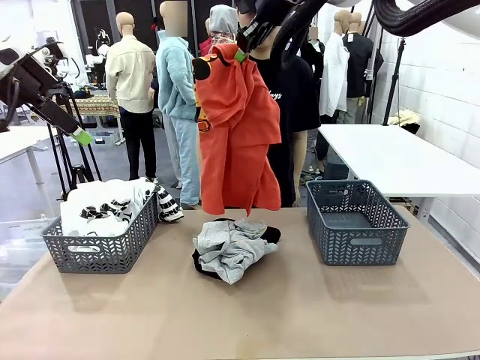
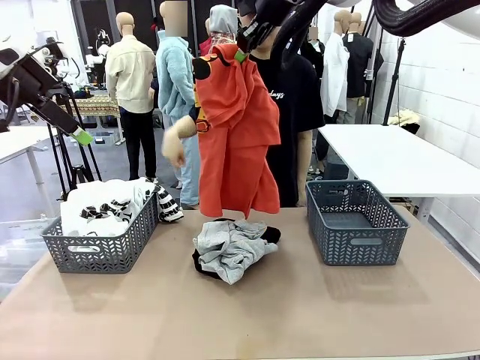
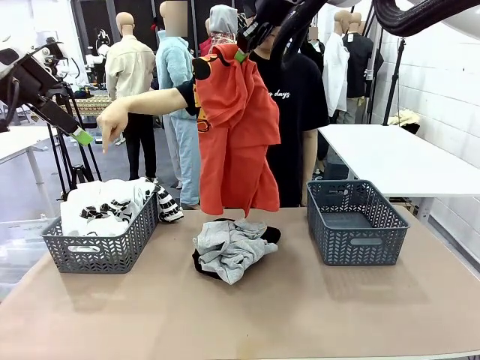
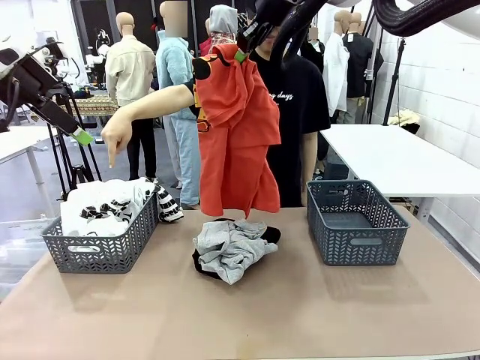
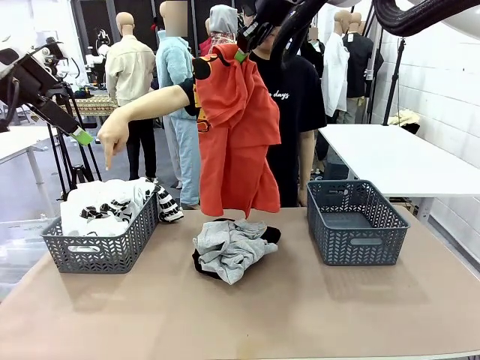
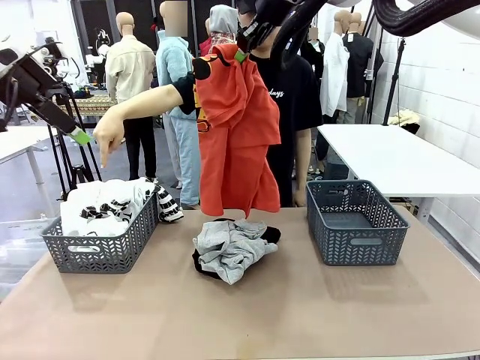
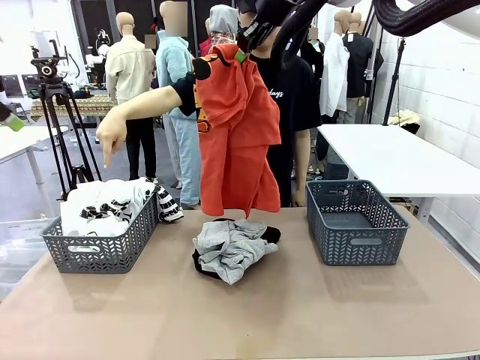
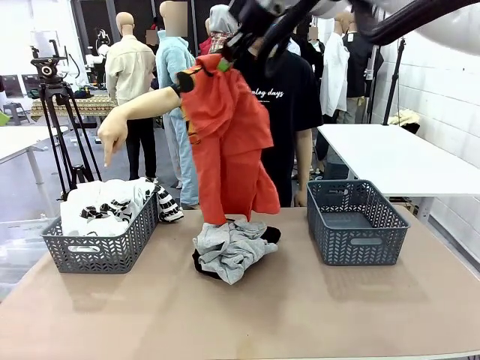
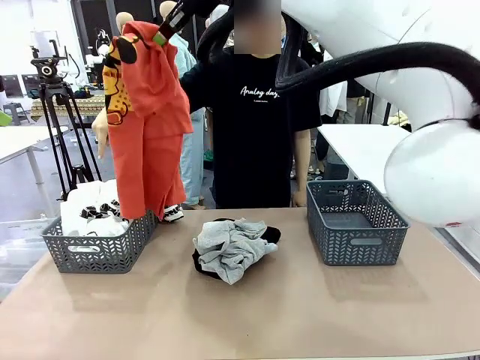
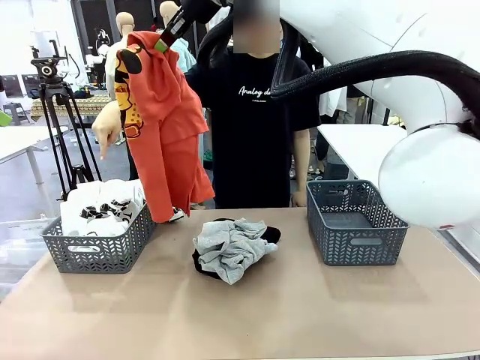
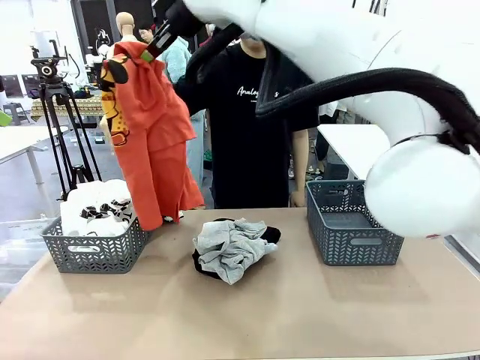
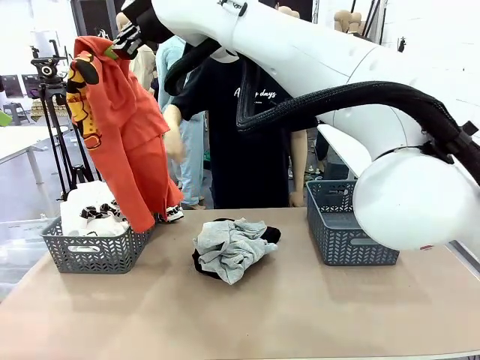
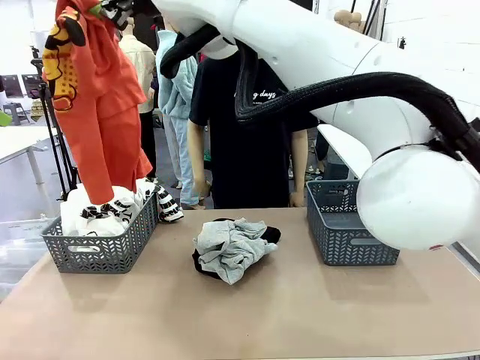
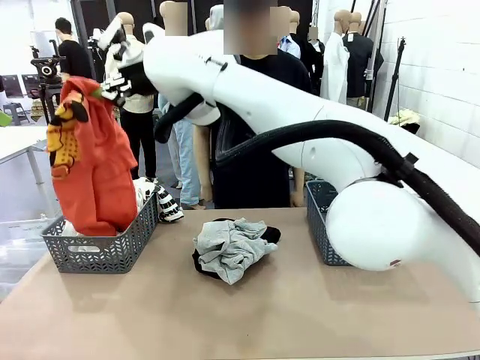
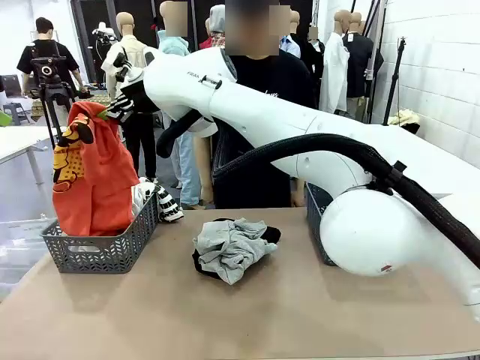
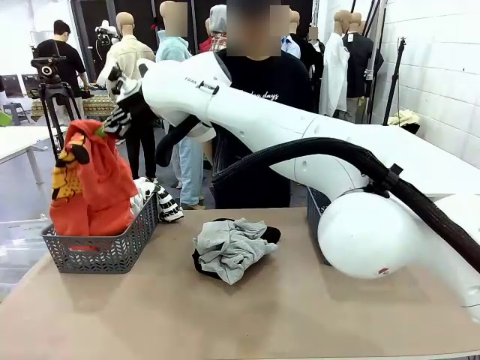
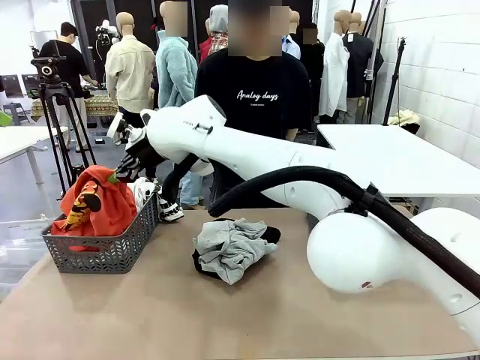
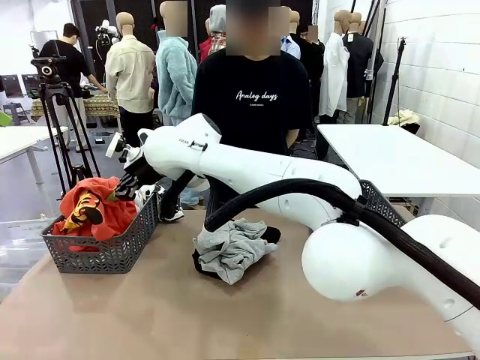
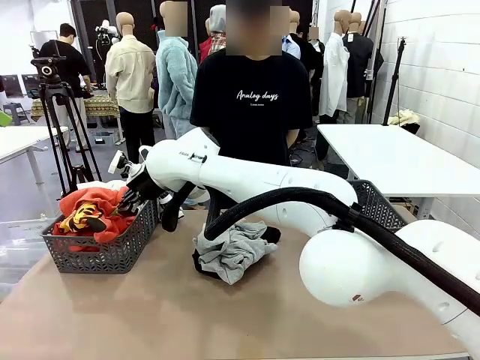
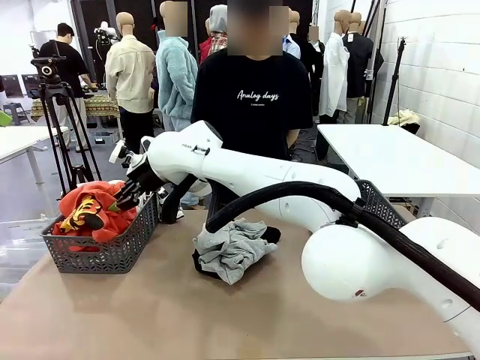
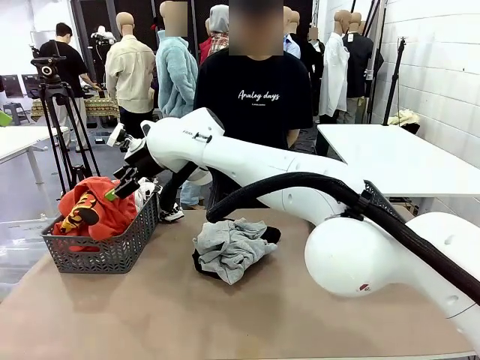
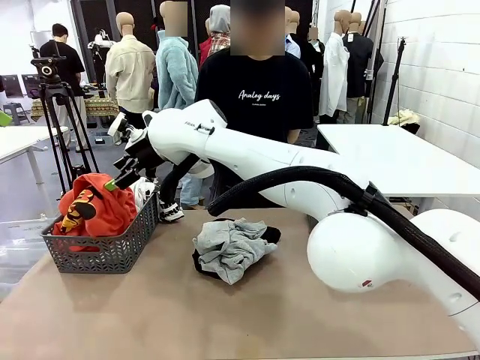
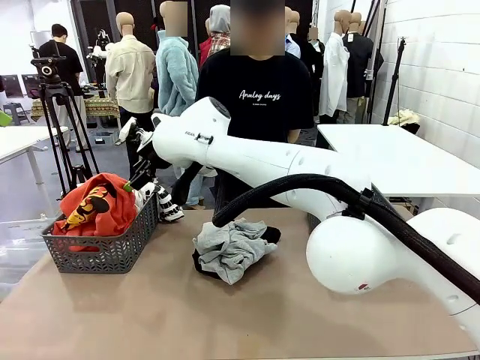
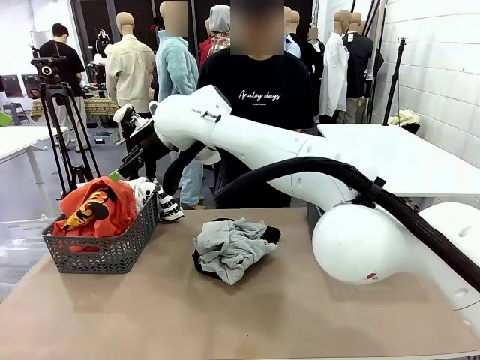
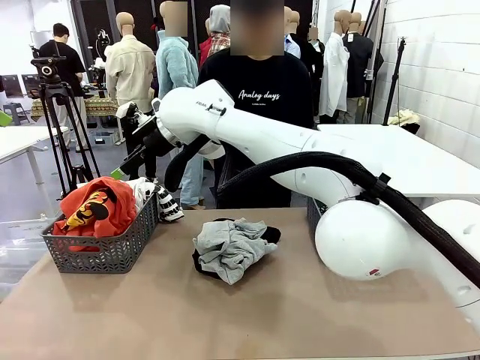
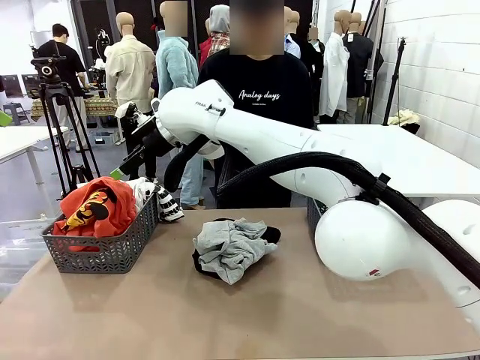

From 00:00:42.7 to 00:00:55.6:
Task: Sort the tops and bottoms.
Robot: Sort the clothes according to human instructions.

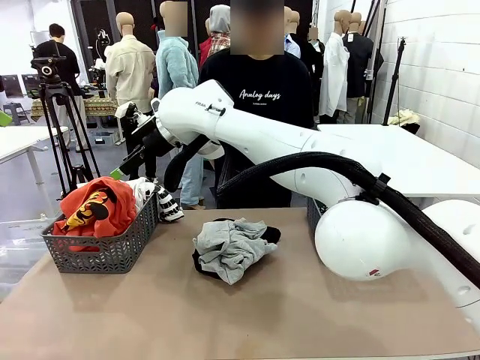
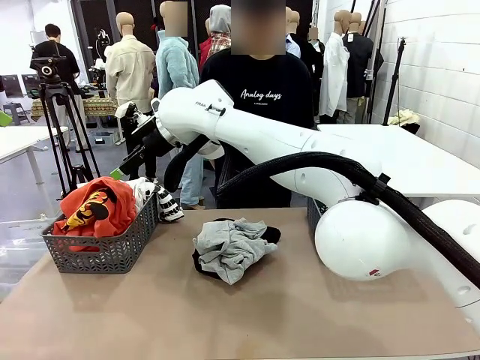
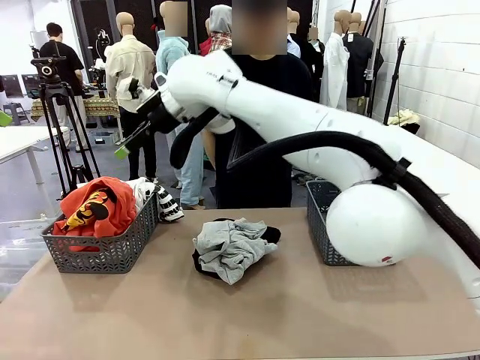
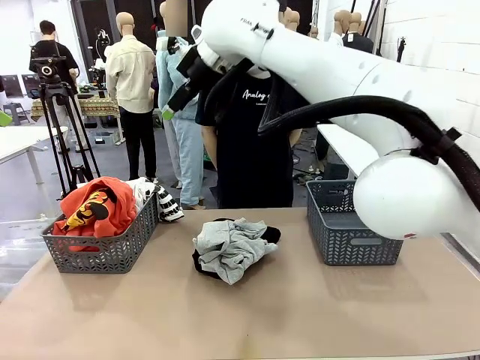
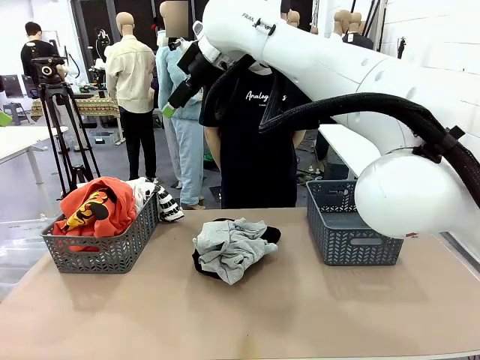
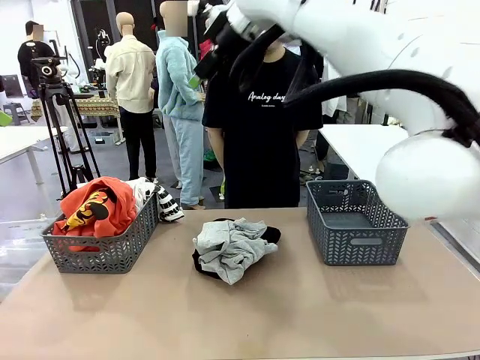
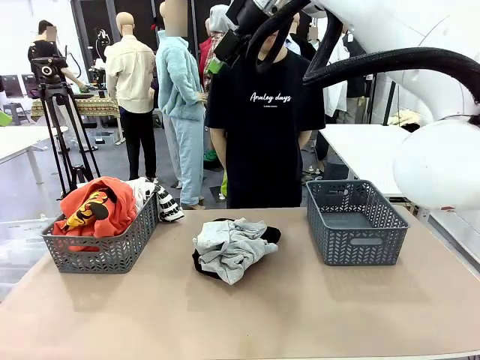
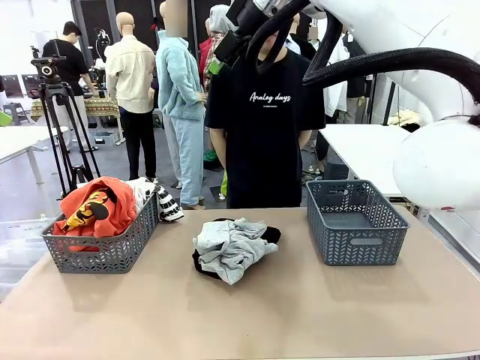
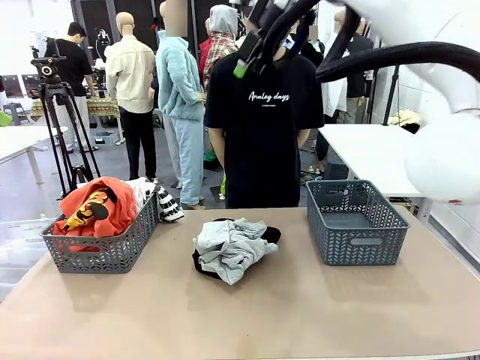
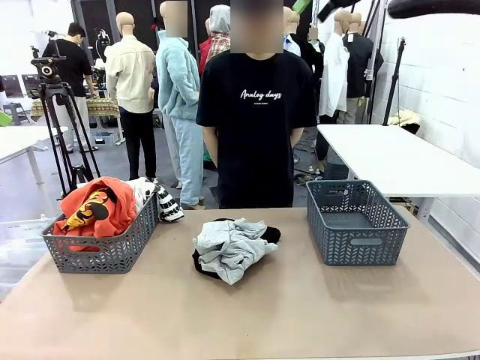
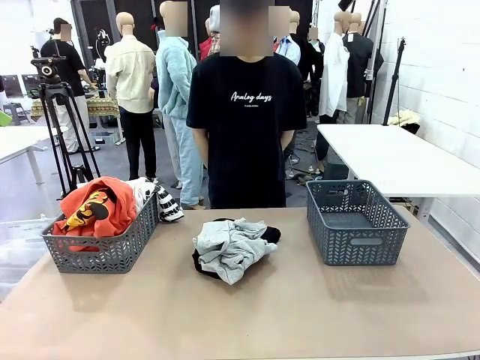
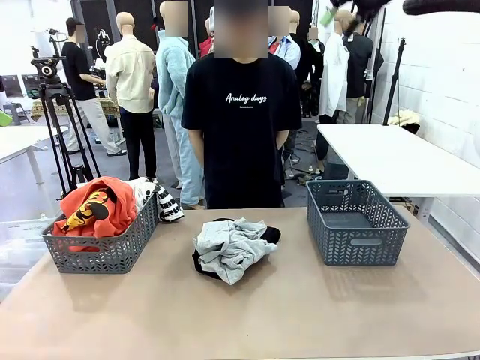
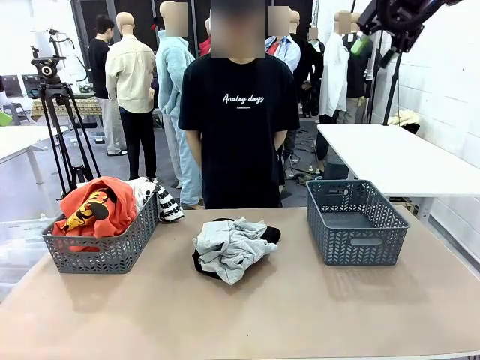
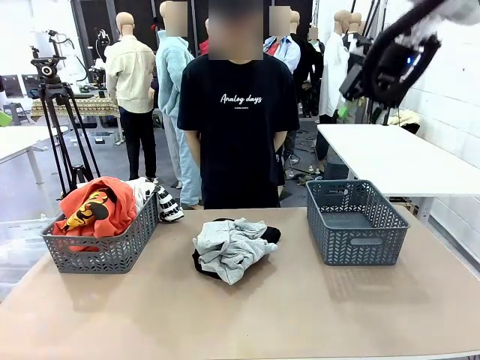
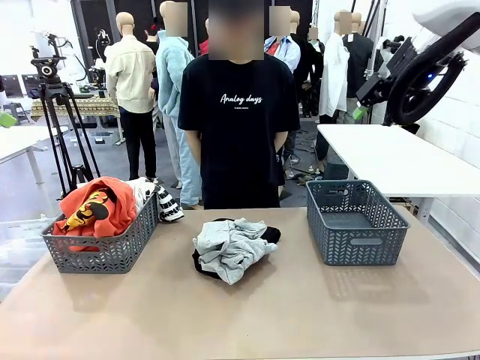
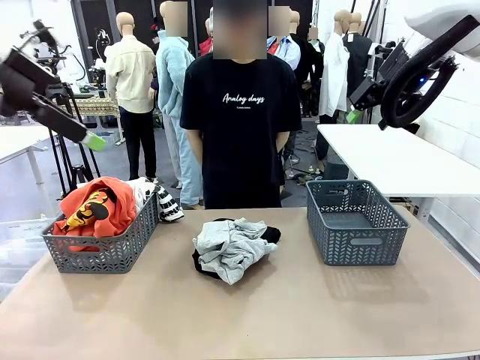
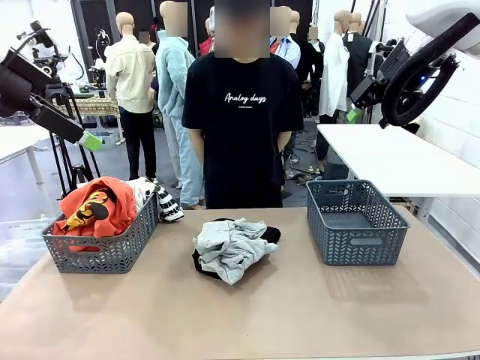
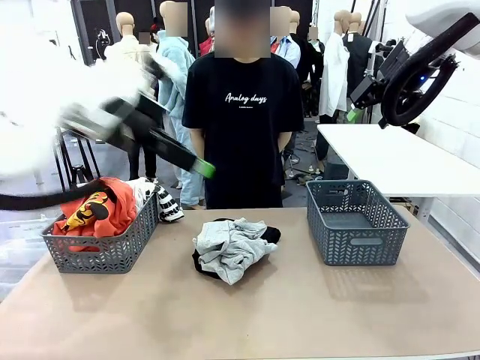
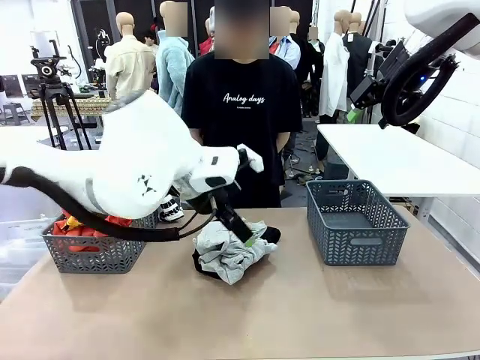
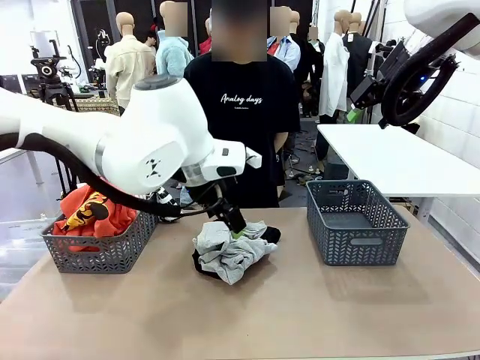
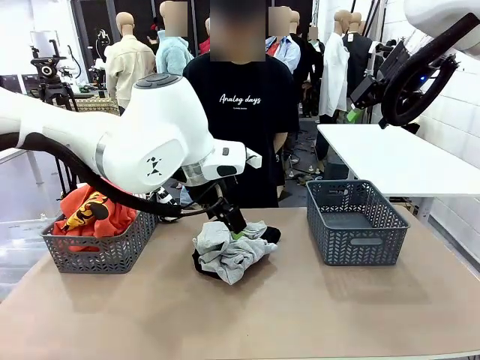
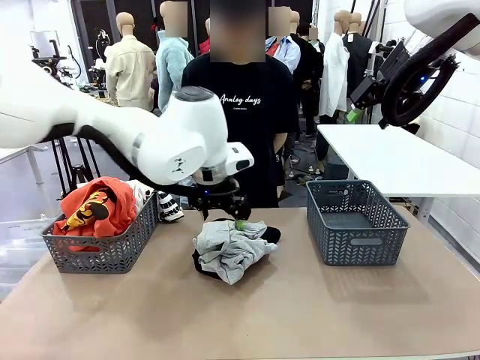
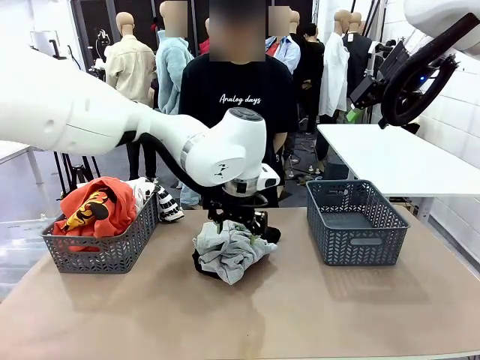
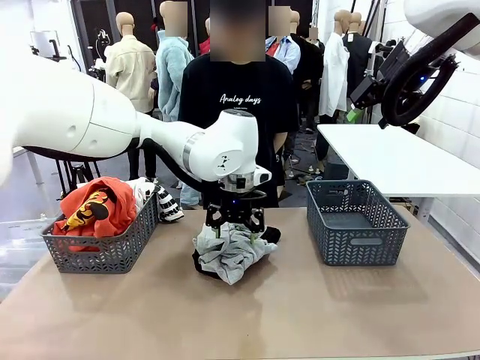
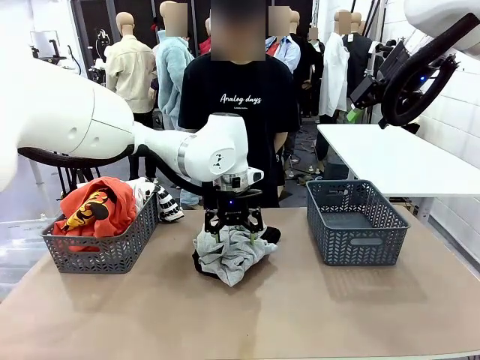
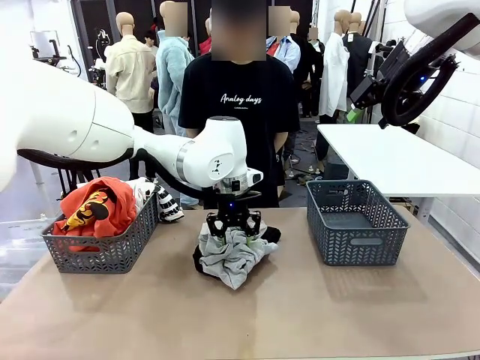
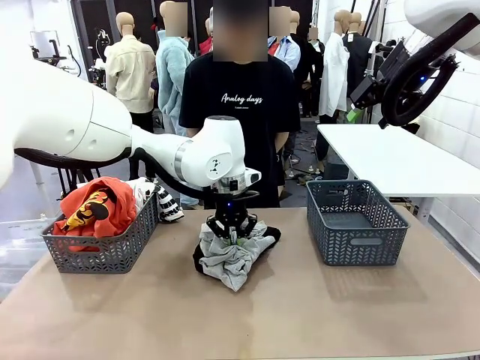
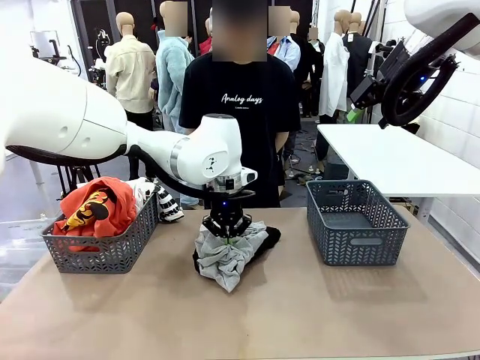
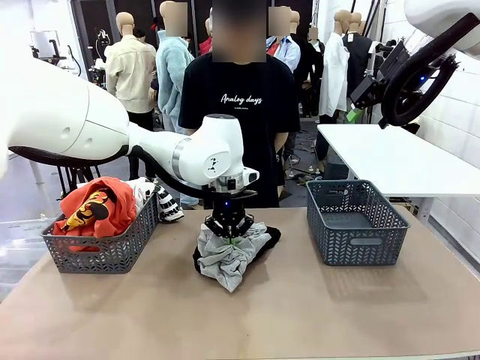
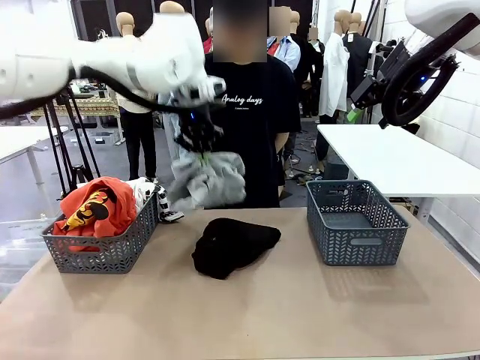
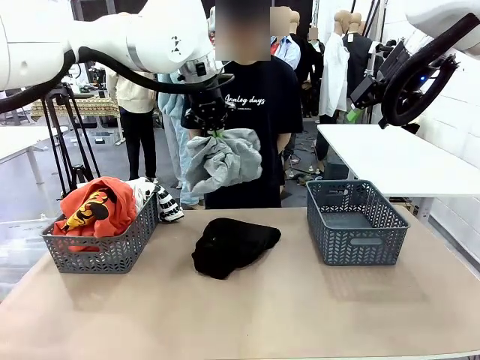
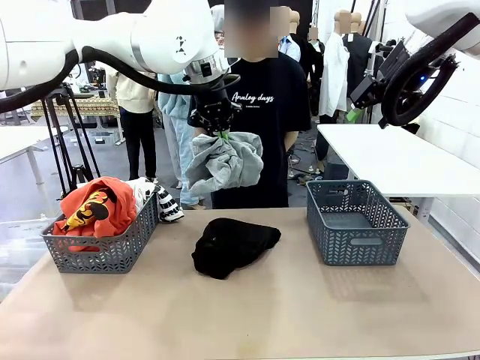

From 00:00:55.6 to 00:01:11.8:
Robot: Lift clothes from the center of the table with your left hand.
